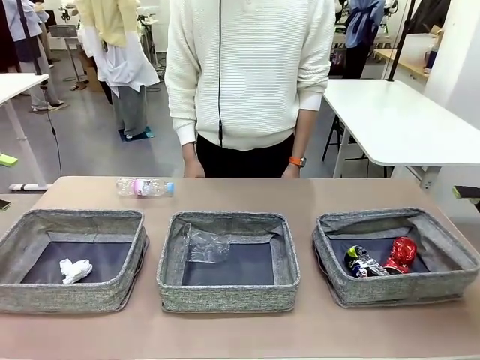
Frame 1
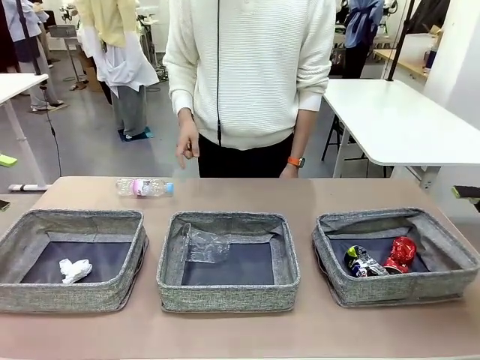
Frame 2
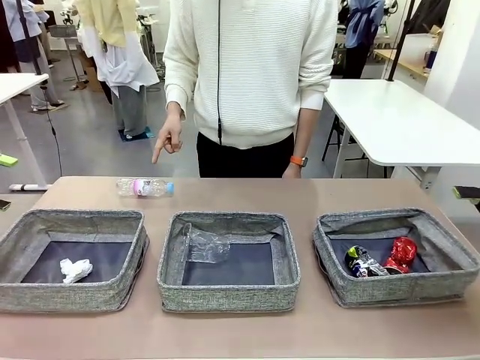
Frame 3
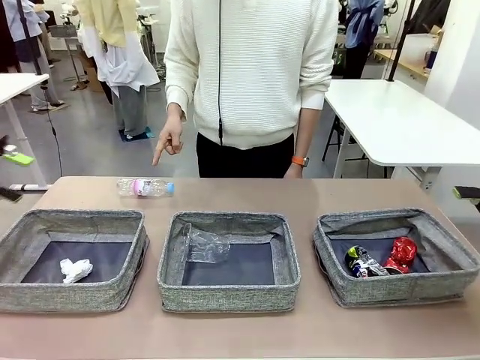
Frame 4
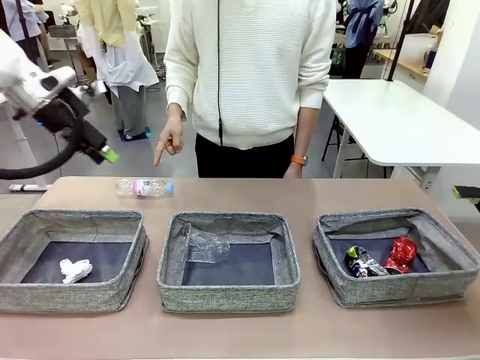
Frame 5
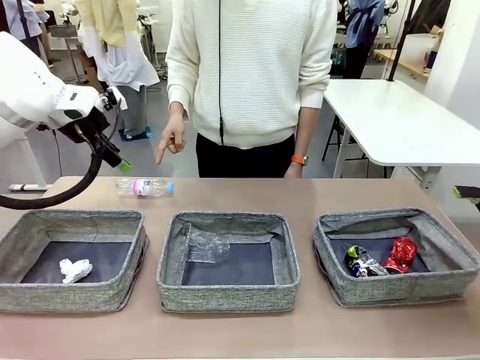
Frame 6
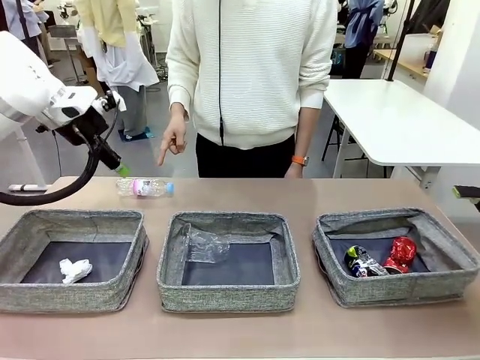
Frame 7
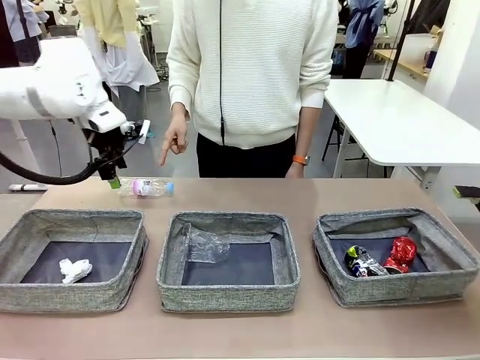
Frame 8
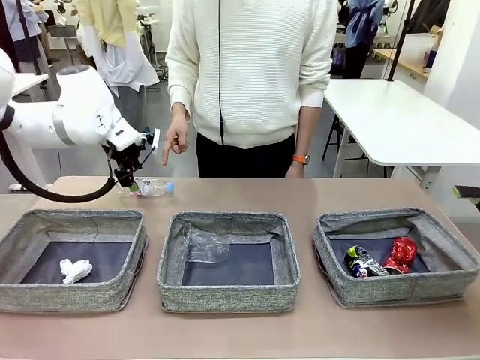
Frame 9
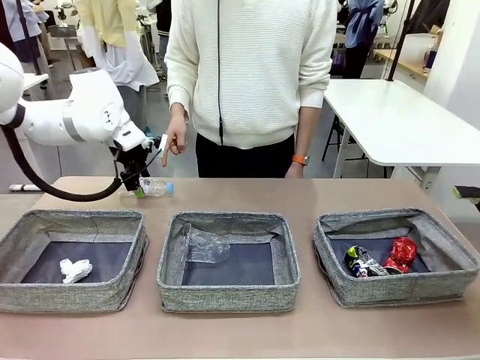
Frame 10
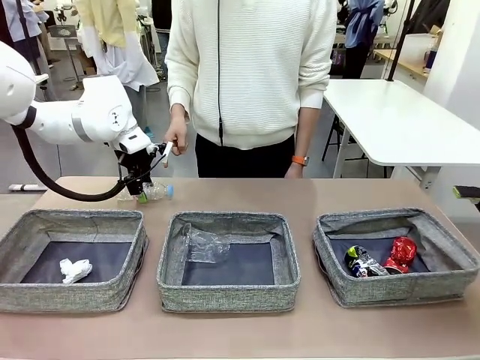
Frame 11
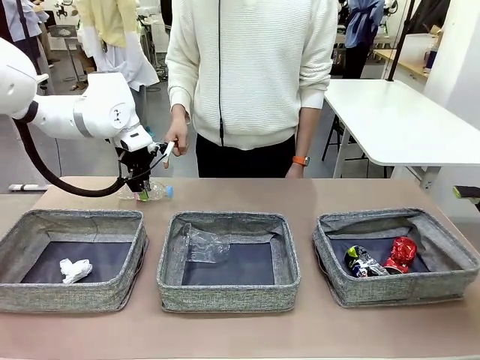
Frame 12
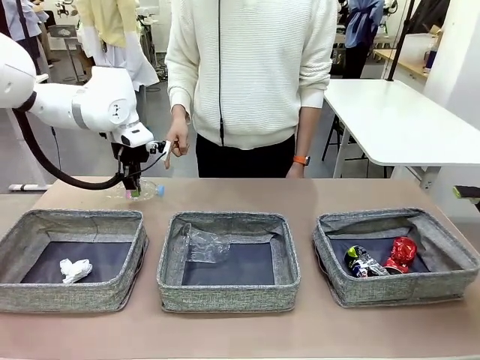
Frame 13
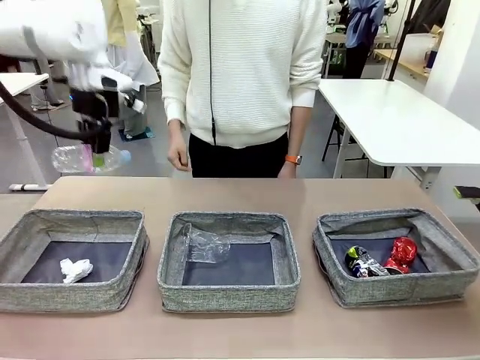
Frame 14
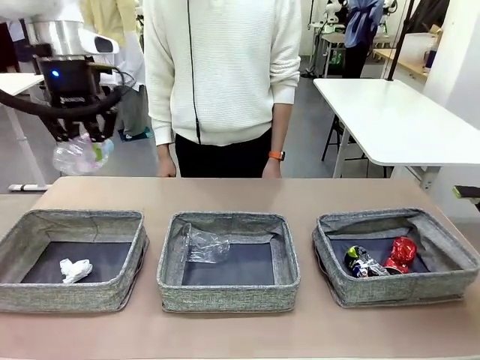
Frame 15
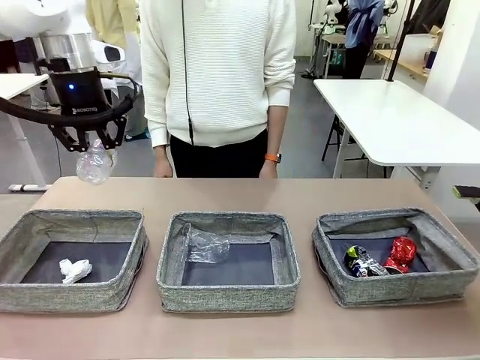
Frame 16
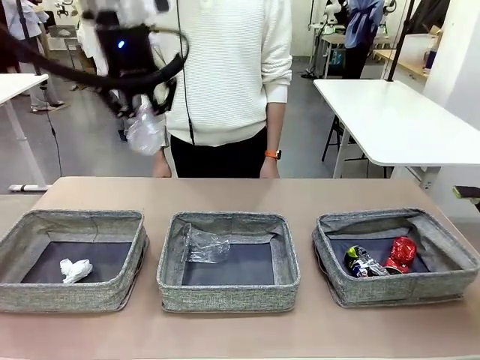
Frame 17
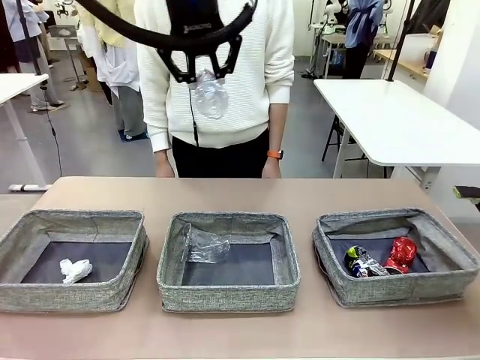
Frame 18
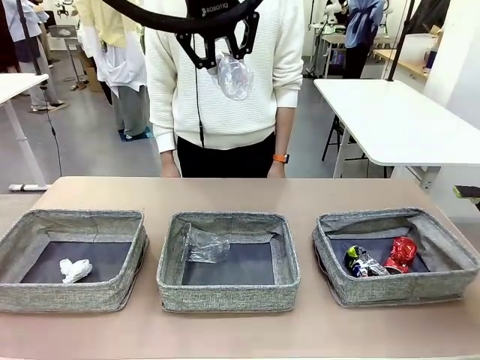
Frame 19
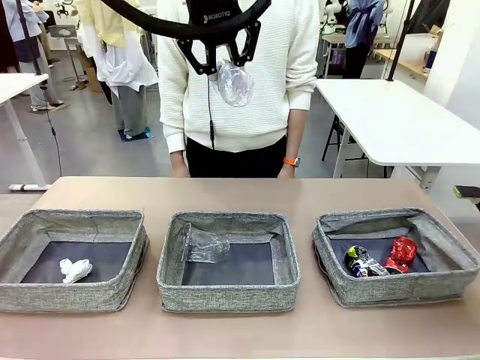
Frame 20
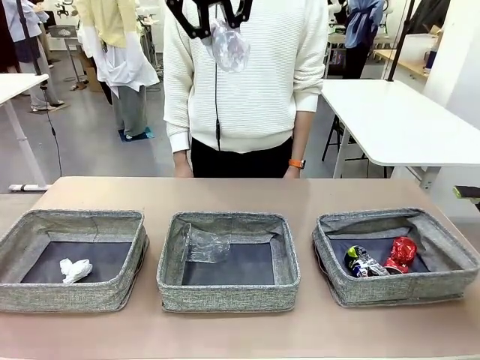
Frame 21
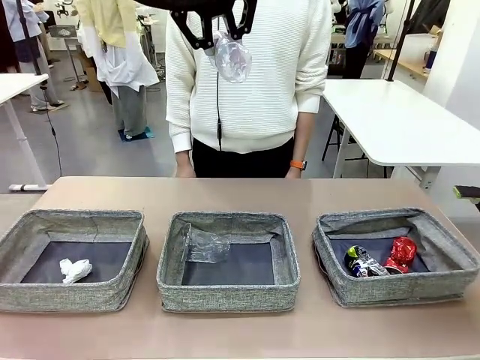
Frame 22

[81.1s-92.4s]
Task: Sort the waste into the appropriate baskets.
Robot: Pick up the waste item pointed out by the person.
Person: Points to one piece of trash on the table.

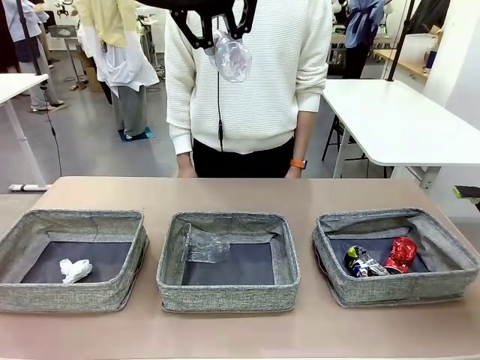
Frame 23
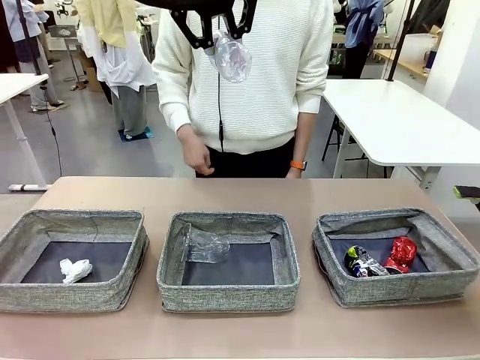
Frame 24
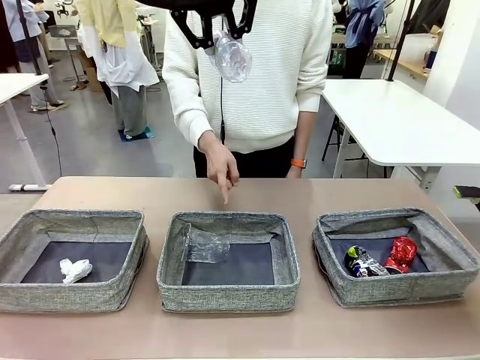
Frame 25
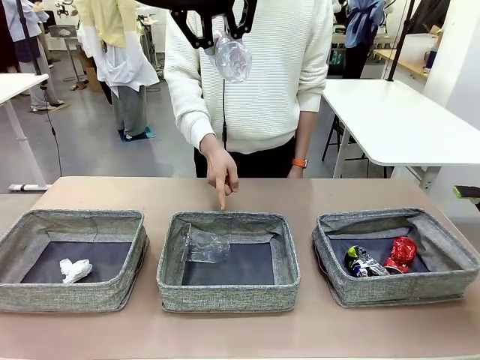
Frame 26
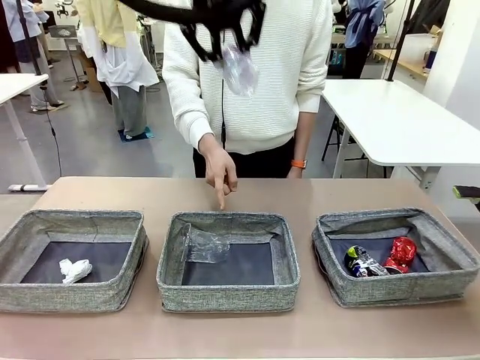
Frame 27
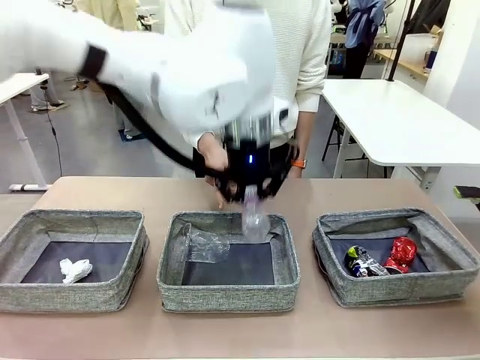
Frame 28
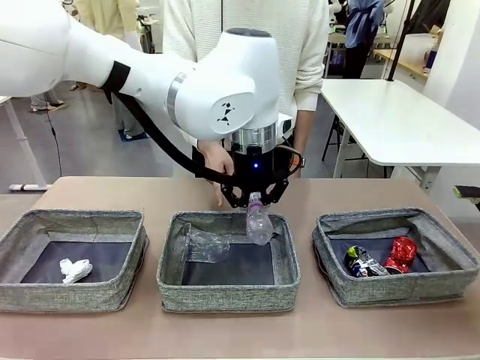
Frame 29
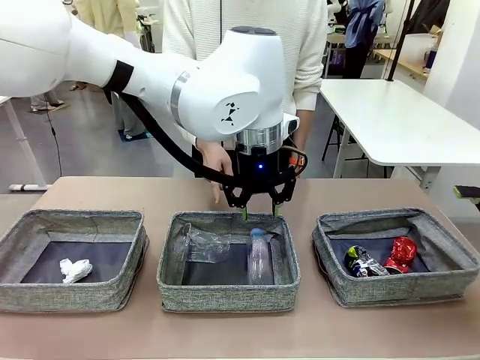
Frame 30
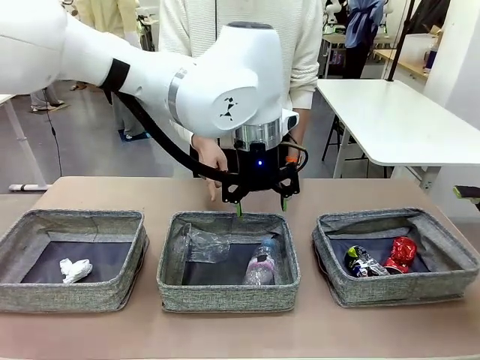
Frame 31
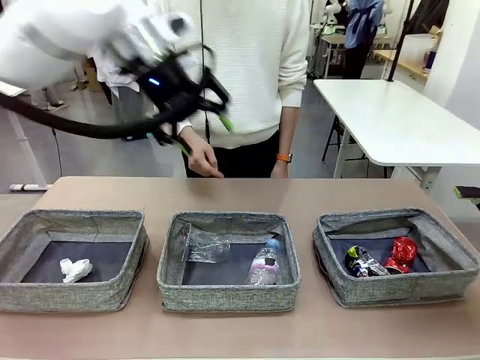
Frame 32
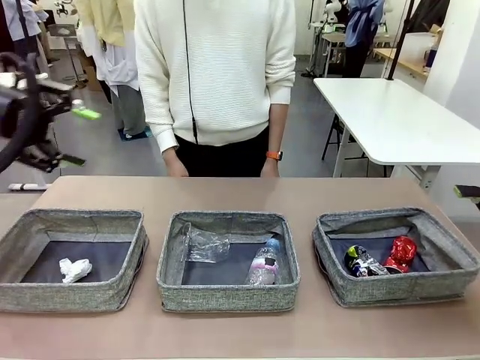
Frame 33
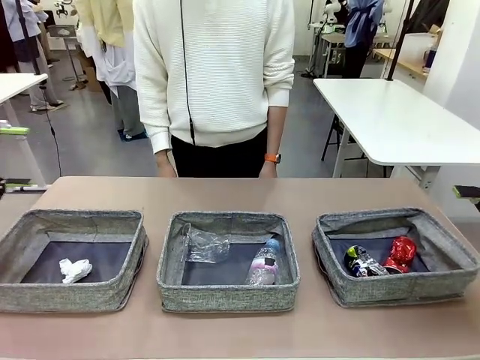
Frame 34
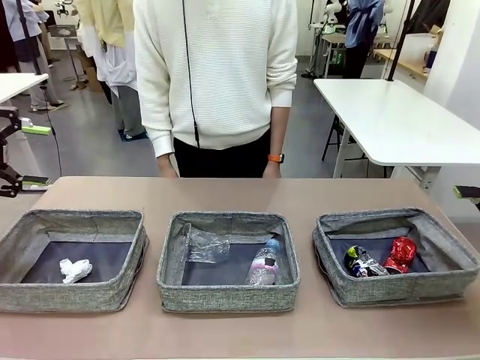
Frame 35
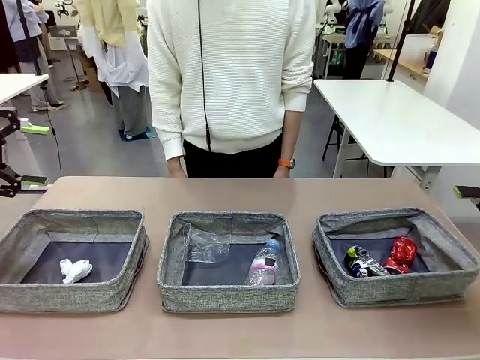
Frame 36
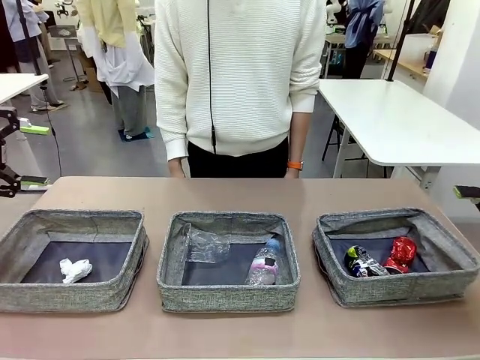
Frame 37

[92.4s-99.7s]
Robot: Place the picked waste into the Fabric basket indicated by the person.
Person: Instructs the robot to place the picked-up trash into the appropriate organizing basket.

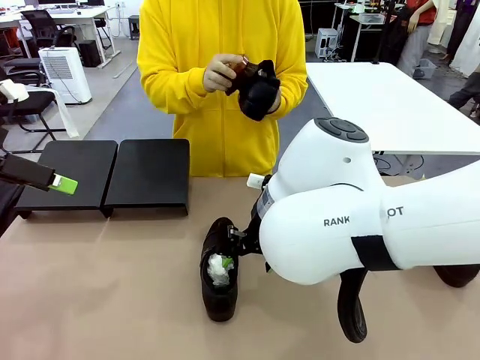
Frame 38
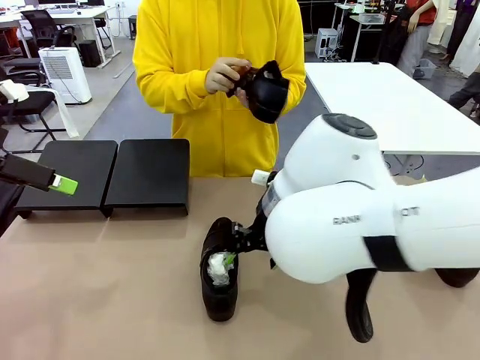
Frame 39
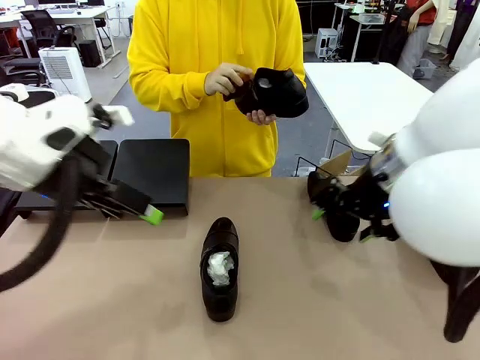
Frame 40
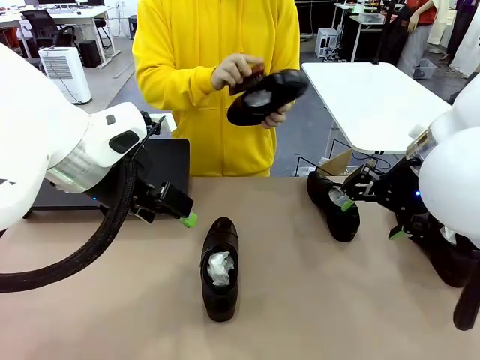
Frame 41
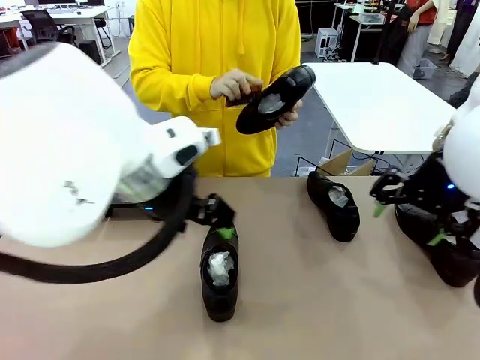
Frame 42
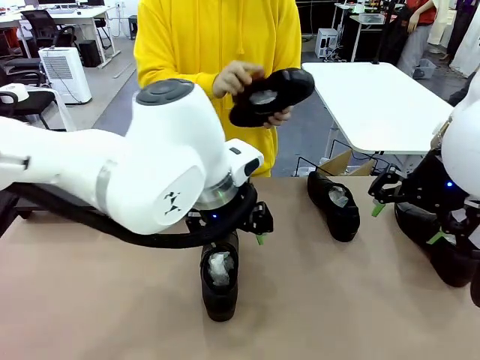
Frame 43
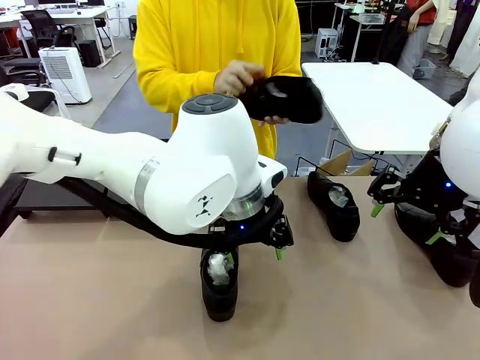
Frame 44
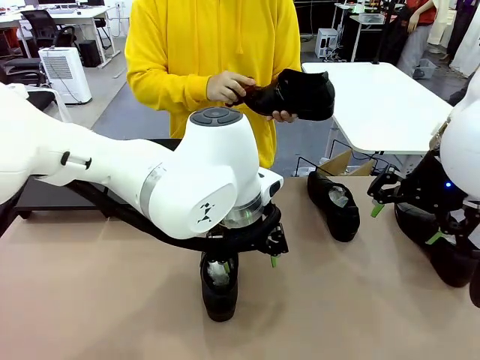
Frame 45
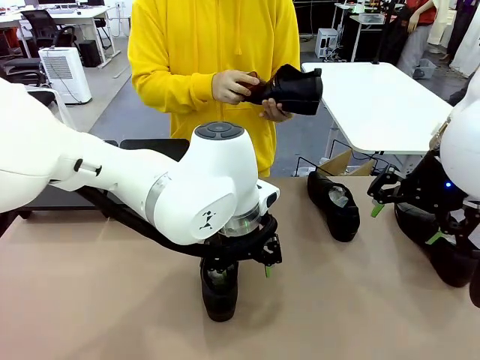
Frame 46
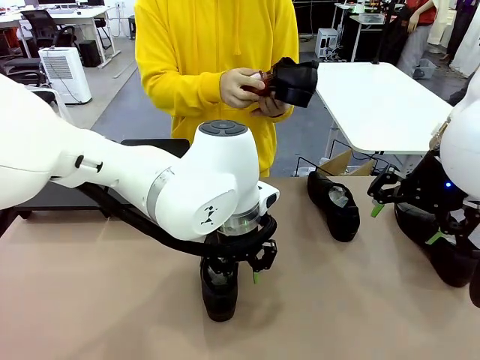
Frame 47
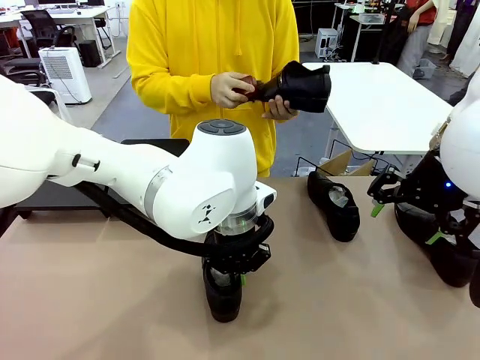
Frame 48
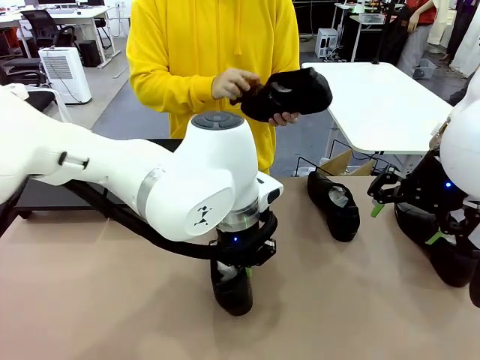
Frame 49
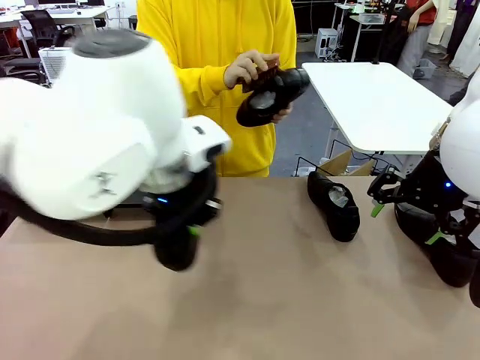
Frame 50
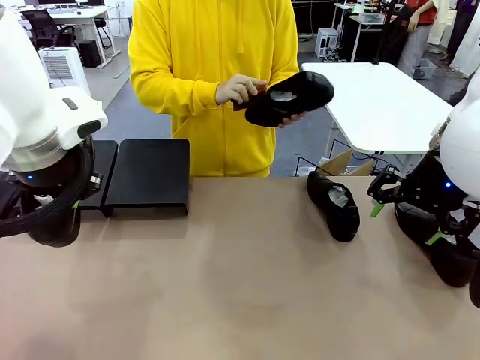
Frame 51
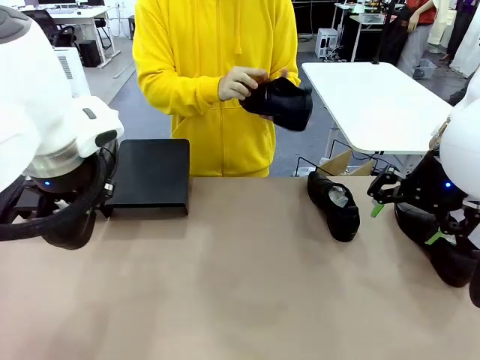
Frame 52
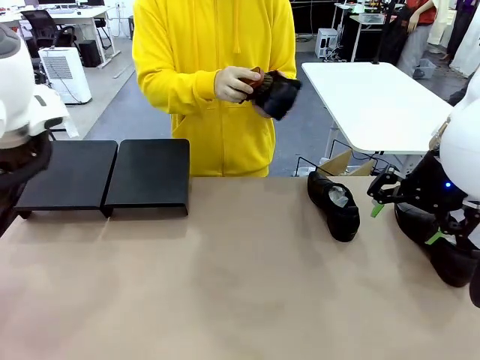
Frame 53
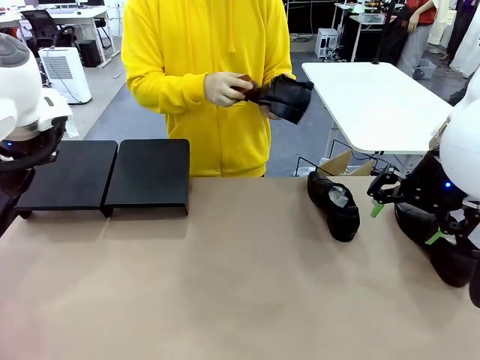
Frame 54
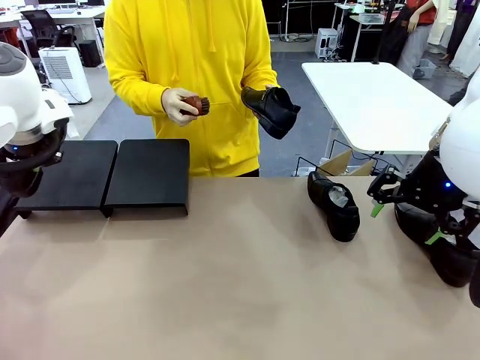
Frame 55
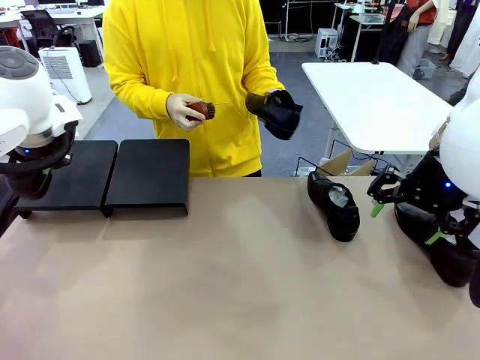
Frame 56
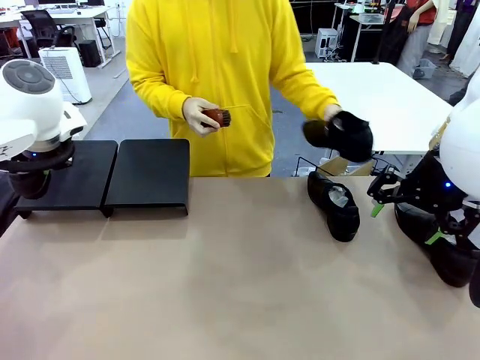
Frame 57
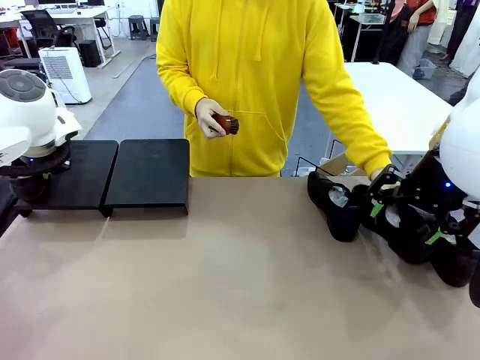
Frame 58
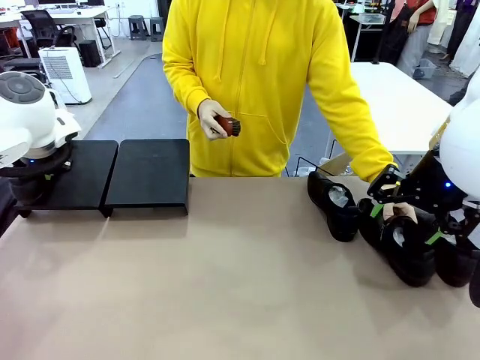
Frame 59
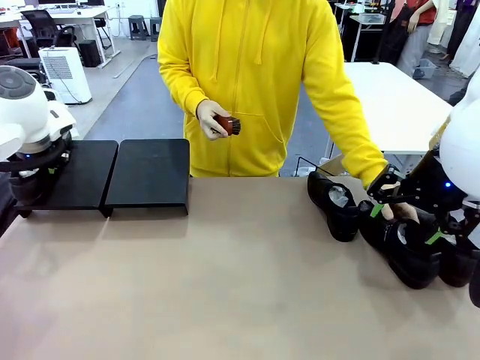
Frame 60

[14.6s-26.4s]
Task: Organize the shoes by placing them on the stand.
Robot: Place the Shoe from the middle of the table onto the Shoes Stand.
Person: Place the Shoe on left side of the Robot's table.
